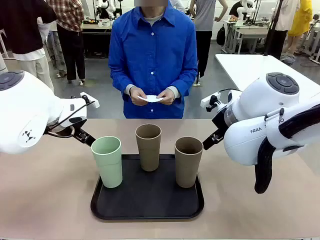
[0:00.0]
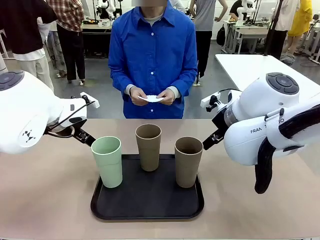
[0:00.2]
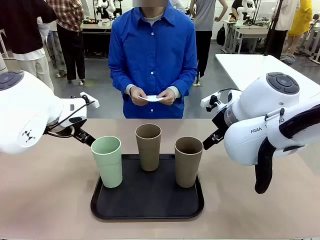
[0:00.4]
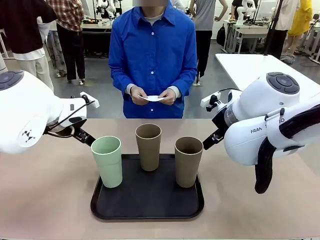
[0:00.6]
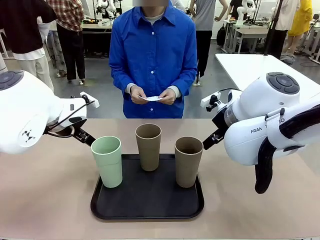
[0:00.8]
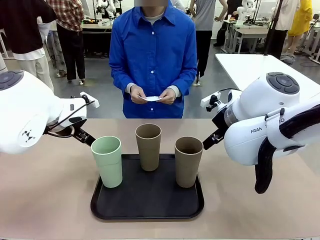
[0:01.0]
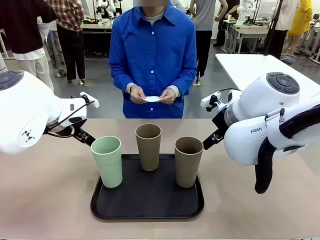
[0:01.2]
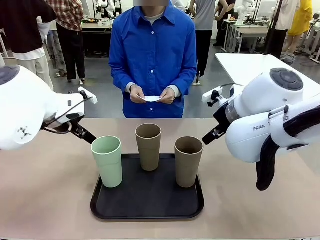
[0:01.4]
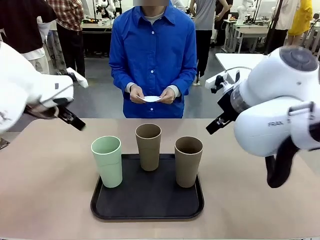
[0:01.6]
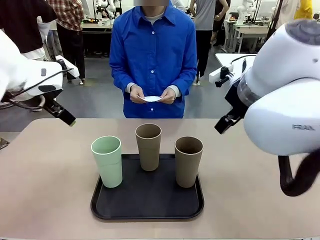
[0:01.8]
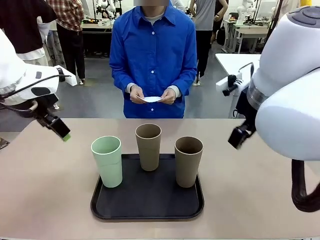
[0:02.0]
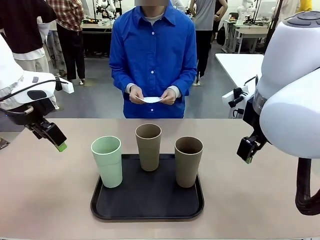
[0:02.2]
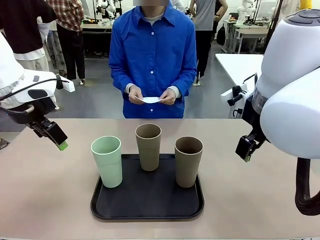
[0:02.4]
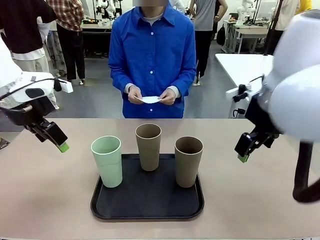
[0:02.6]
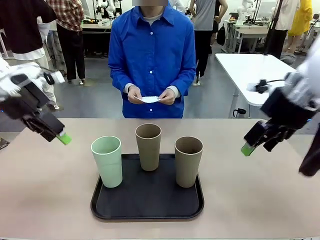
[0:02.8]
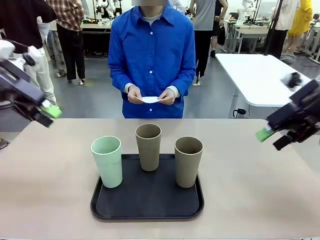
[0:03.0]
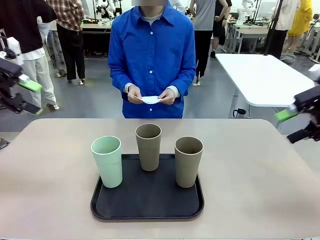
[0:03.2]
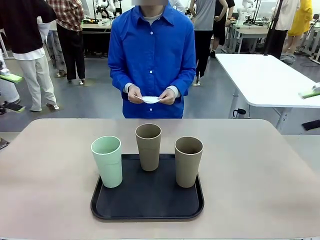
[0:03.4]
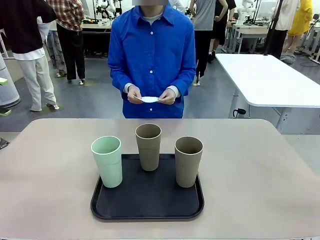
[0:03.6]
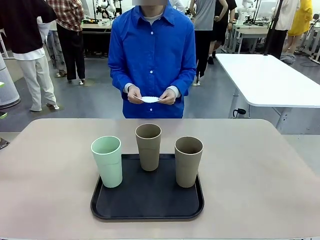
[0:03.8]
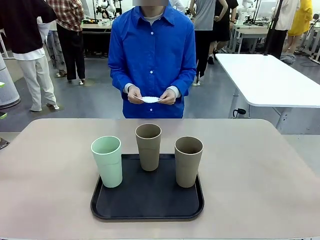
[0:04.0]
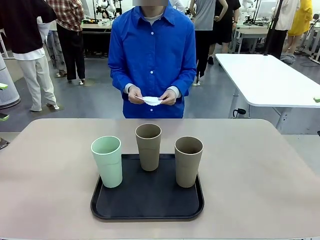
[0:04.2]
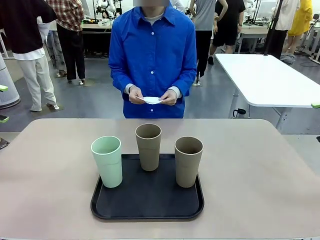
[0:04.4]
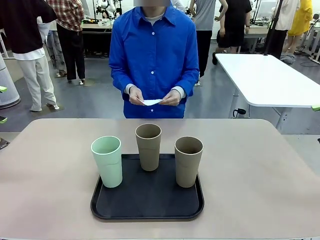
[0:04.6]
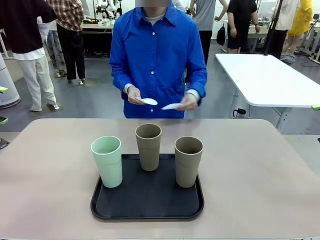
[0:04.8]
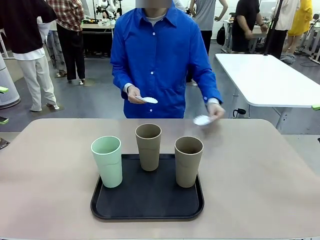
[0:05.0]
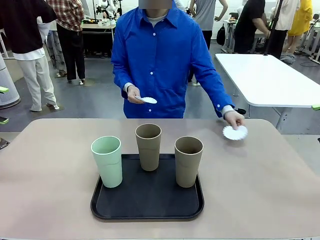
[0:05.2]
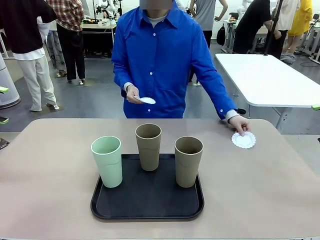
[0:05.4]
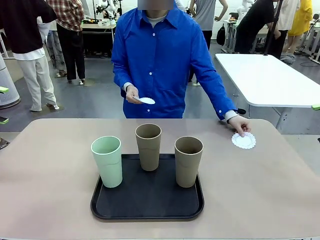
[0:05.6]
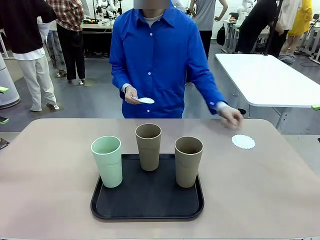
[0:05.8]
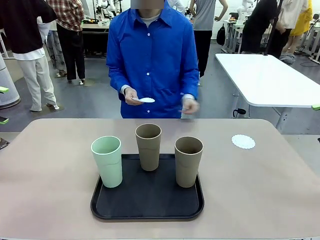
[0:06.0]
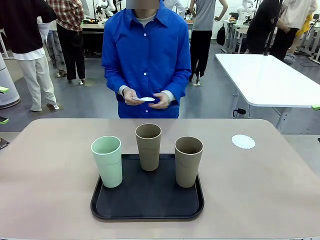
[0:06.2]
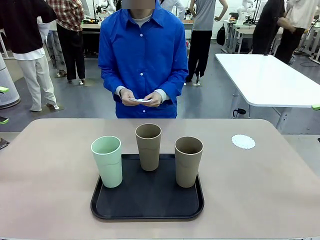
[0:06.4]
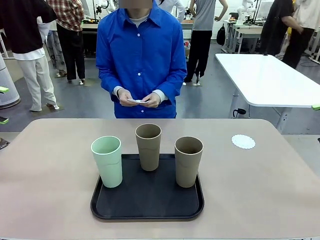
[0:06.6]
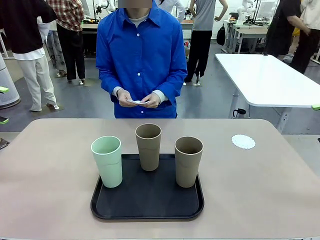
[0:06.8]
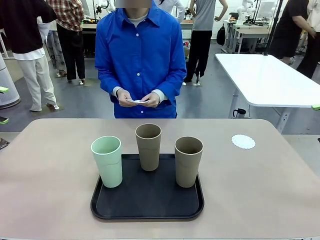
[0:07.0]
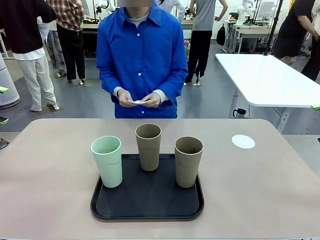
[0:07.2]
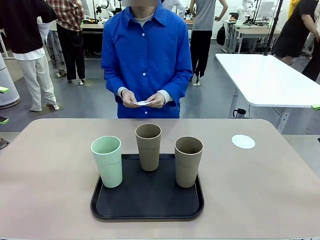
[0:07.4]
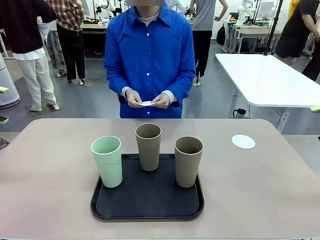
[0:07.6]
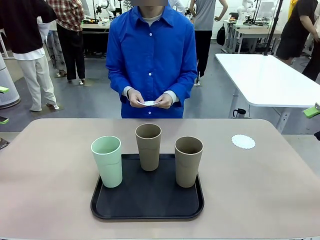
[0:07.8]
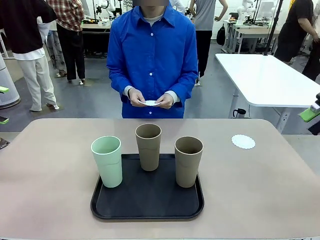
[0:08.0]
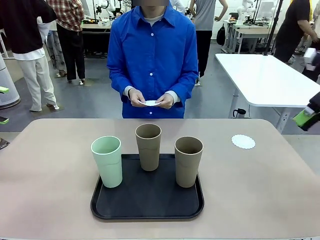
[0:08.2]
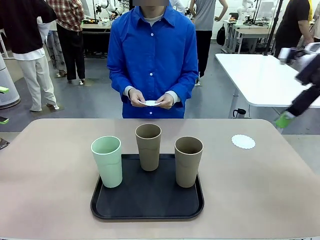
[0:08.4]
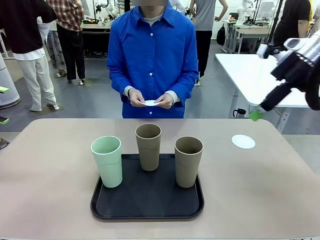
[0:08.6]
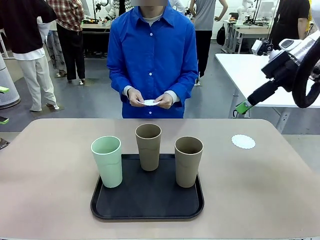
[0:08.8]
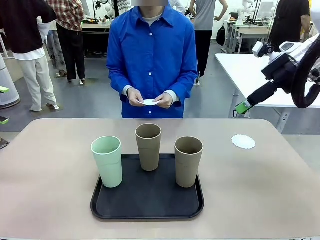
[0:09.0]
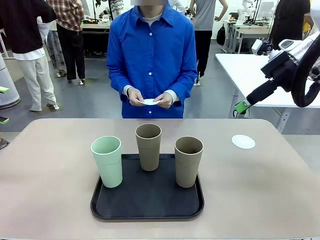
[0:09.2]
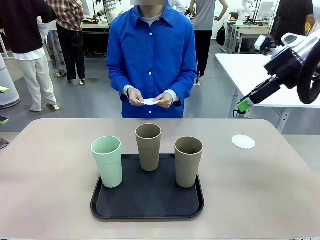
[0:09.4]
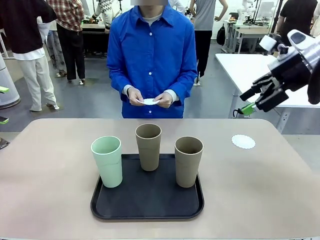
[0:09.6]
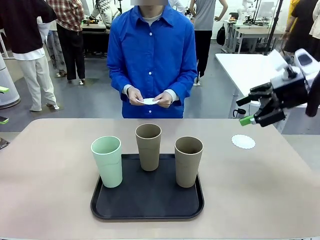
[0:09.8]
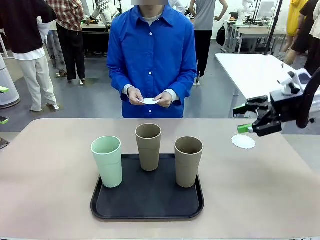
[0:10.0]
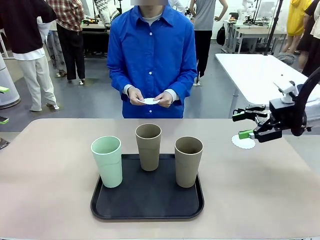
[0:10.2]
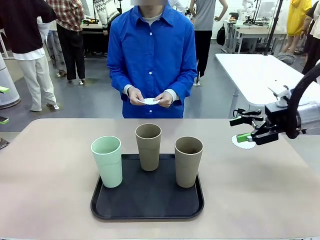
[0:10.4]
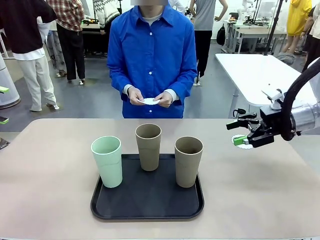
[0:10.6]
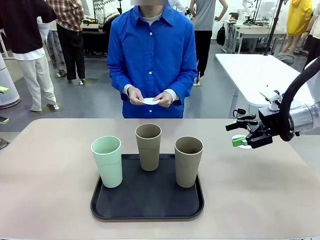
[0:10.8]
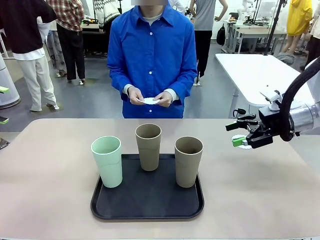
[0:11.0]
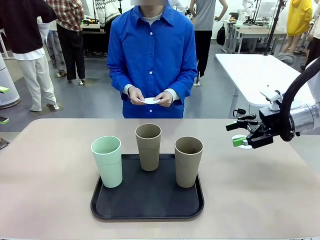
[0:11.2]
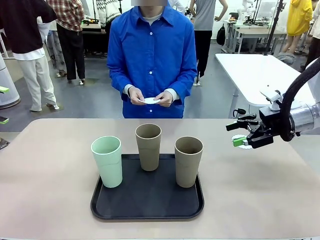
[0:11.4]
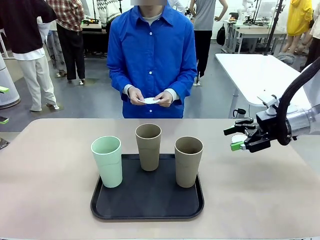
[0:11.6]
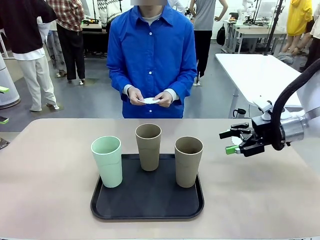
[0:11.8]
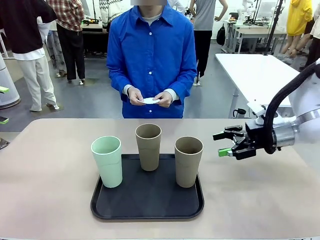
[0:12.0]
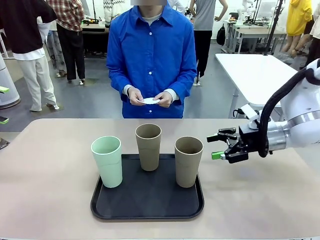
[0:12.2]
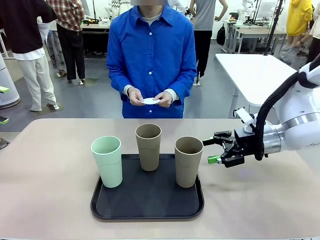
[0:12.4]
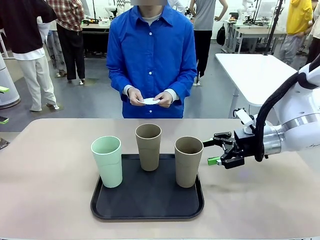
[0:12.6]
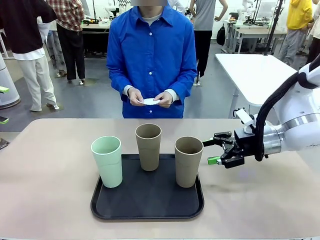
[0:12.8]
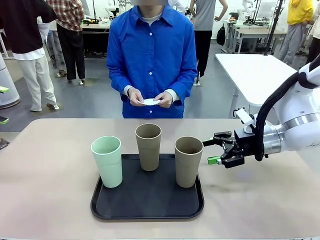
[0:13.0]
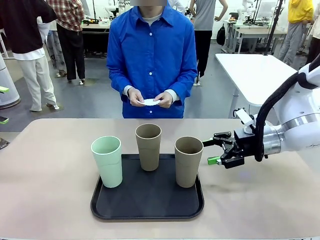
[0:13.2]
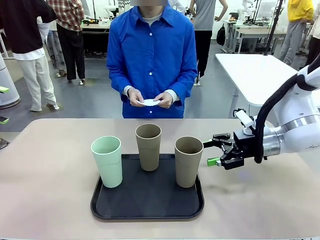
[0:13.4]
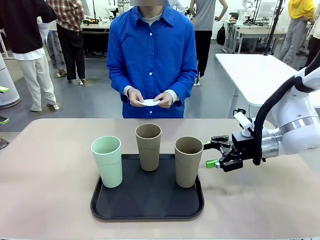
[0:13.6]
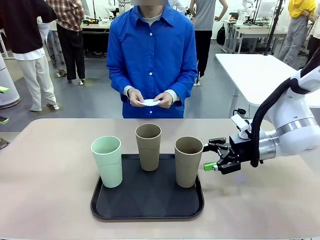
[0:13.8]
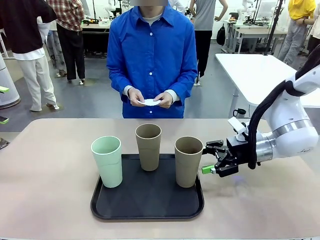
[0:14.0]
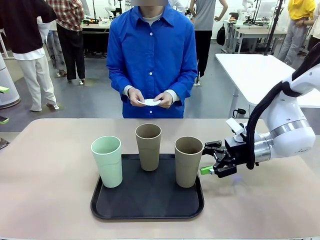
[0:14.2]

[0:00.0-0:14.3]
Task: Place coasters on the table and set cups on them.
Robot: Pick up one Reusable plastic cup and place it on a coaster set by the human.
Person: Place one coaster in any one of the three lower areas of the robot table (left, center, or right).
